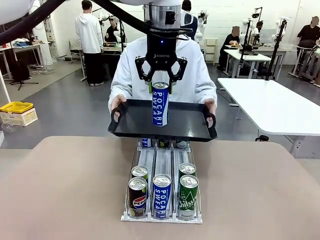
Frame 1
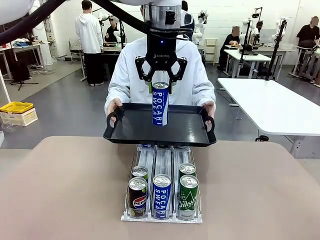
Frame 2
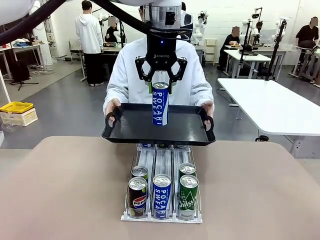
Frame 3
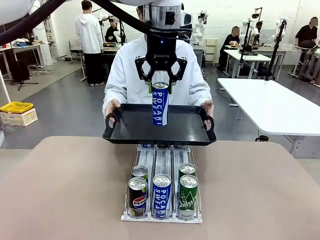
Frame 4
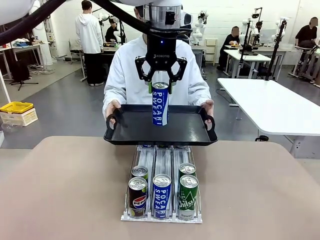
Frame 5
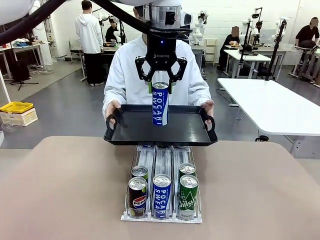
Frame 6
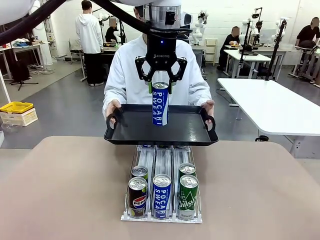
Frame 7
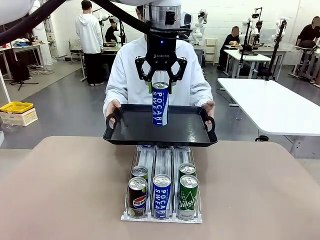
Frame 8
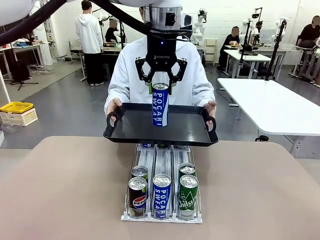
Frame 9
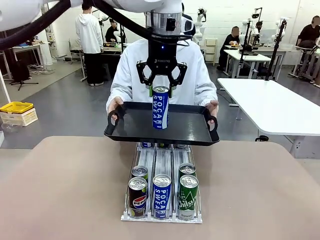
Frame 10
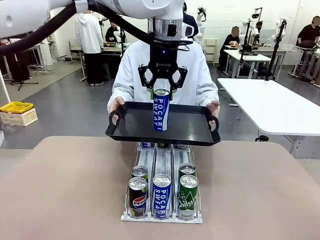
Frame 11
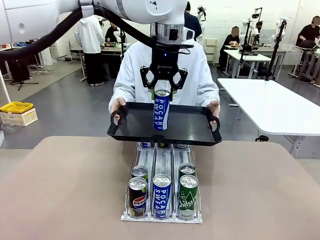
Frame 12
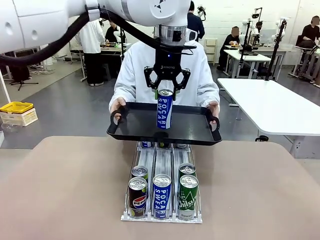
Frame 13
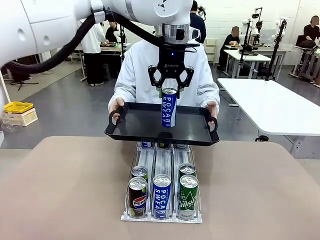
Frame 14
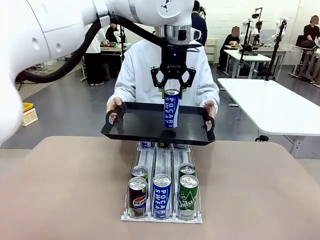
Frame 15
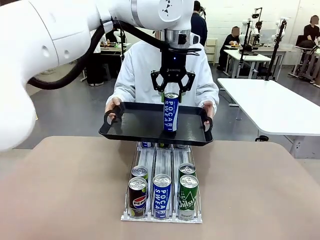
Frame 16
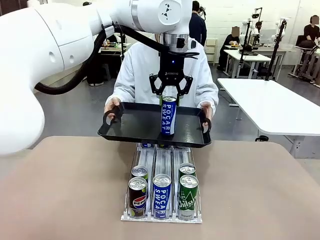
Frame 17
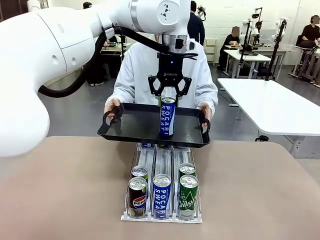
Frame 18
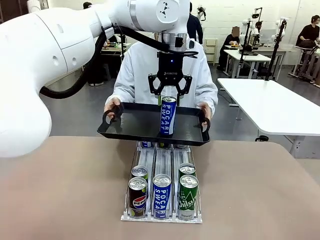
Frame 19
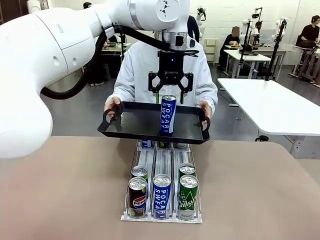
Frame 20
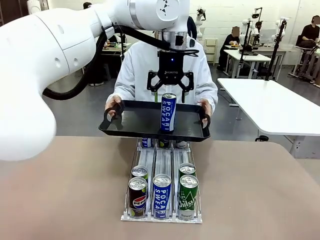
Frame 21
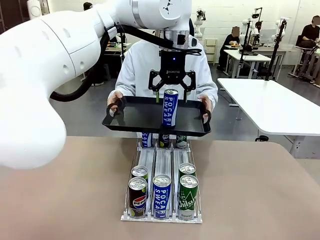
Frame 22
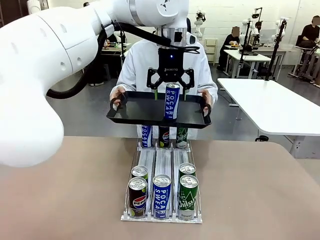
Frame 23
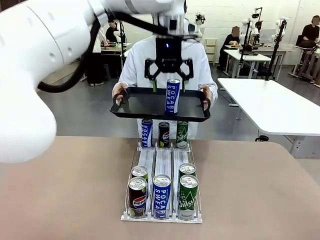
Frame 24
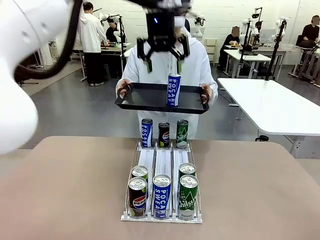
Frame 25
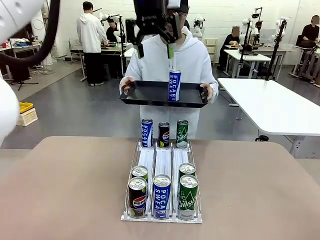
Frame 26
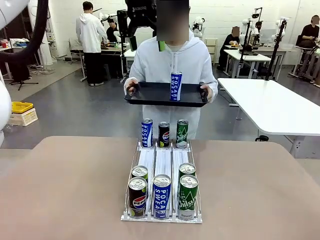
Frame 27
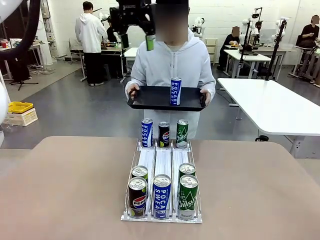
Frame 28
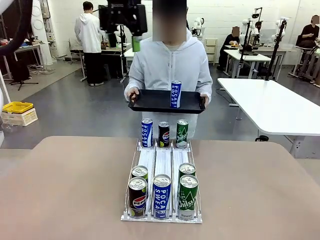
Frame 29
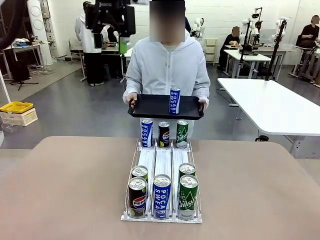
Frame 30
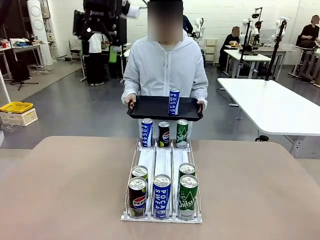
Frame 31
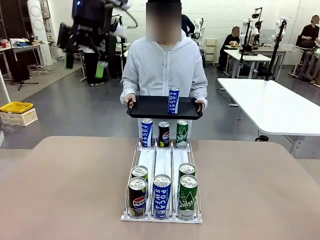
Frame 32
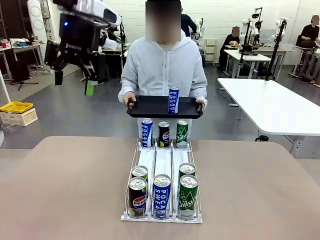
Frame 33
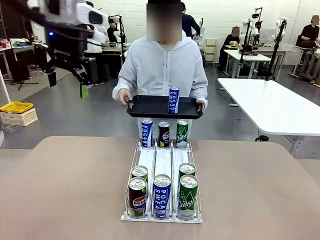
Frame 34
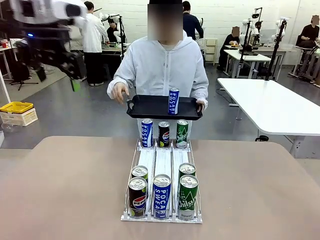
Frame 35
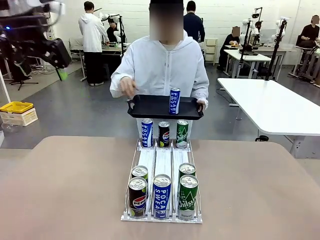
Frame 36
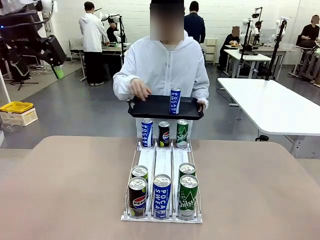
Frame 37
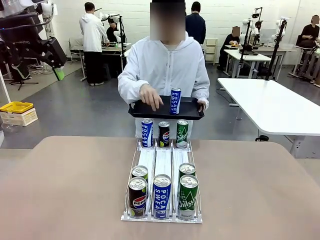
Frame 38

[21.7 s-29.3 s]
Task: Retrieve and hand over the desired beverage to the person.
Robot: Place the picked can on the Handle tray extended by the person.
Person: Pull the tray back, then pick up another can from the bottom area of the table and puts it back in its original place.

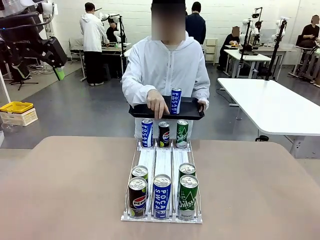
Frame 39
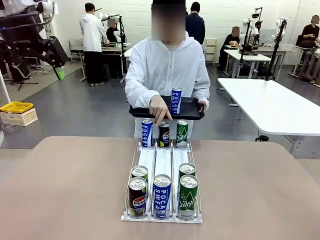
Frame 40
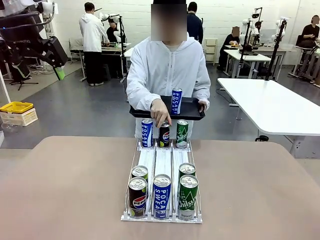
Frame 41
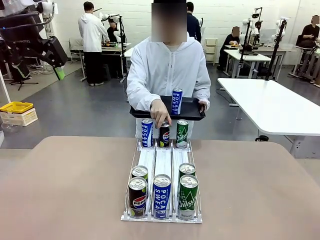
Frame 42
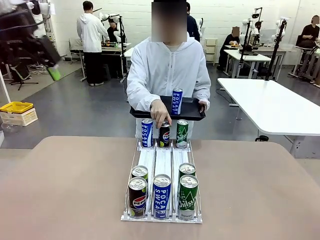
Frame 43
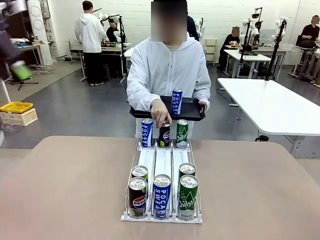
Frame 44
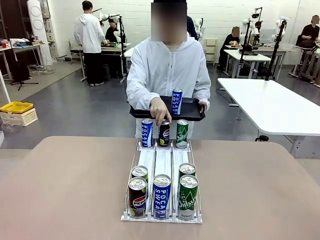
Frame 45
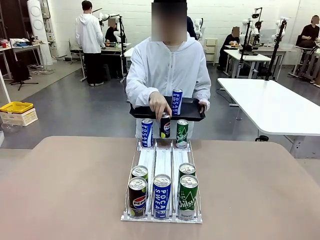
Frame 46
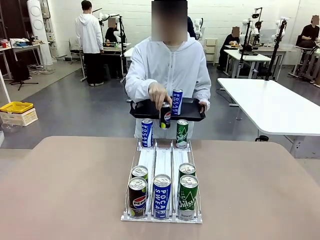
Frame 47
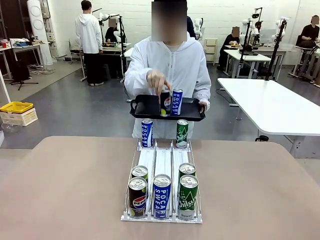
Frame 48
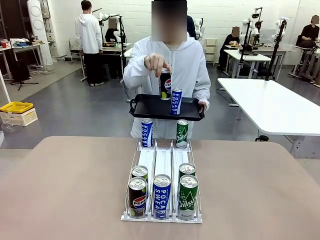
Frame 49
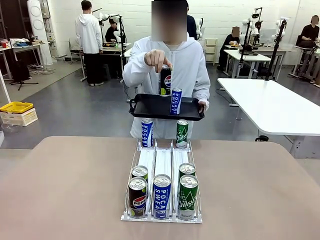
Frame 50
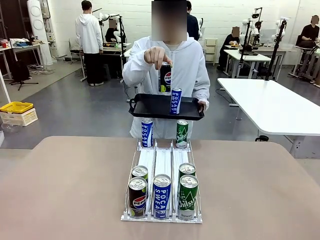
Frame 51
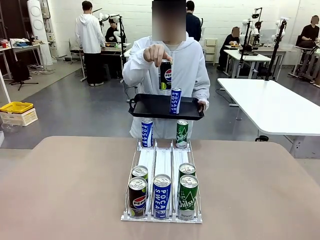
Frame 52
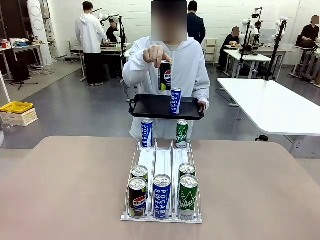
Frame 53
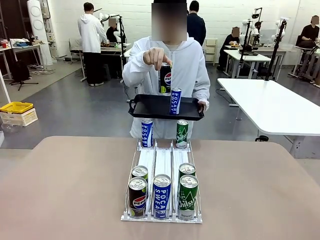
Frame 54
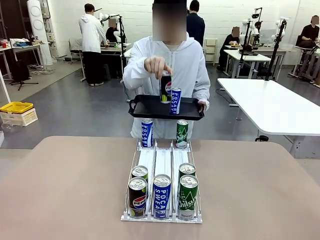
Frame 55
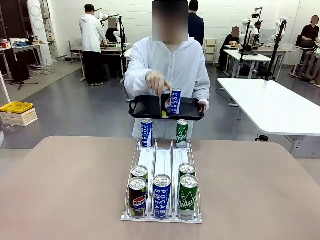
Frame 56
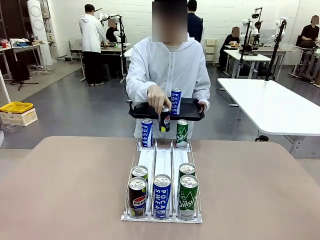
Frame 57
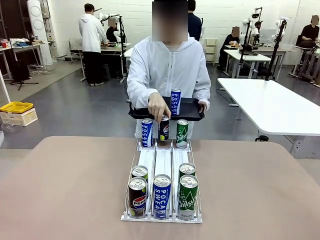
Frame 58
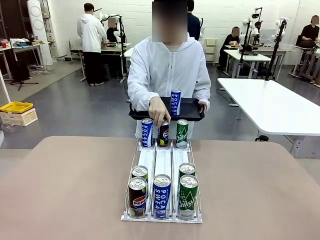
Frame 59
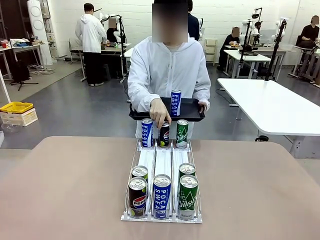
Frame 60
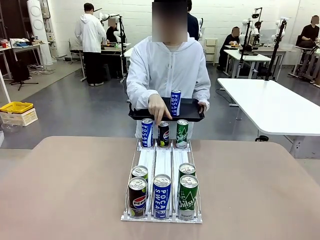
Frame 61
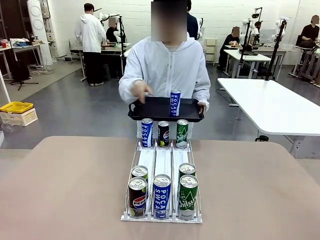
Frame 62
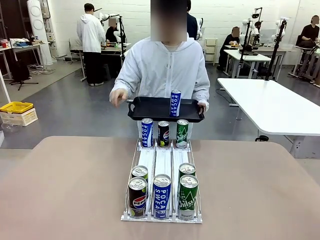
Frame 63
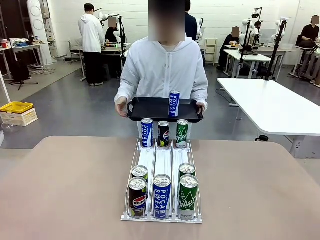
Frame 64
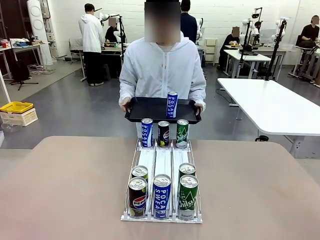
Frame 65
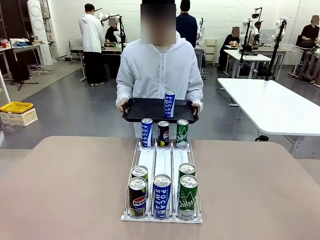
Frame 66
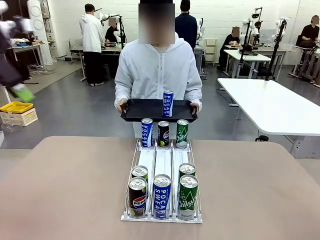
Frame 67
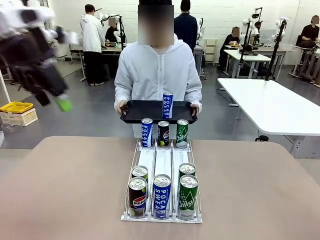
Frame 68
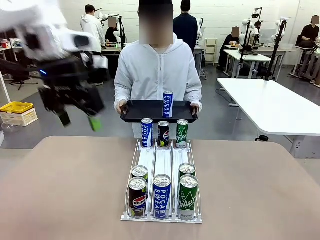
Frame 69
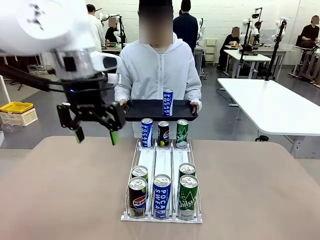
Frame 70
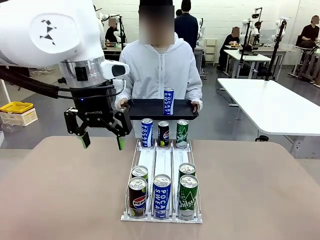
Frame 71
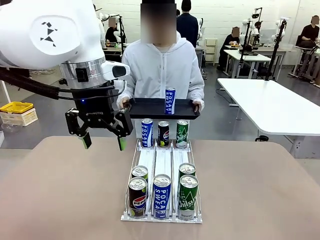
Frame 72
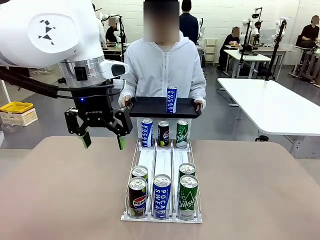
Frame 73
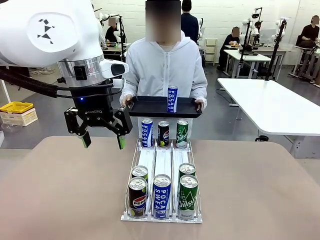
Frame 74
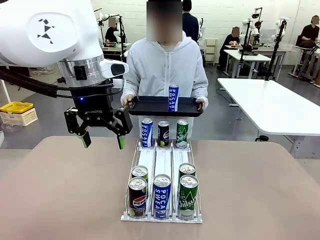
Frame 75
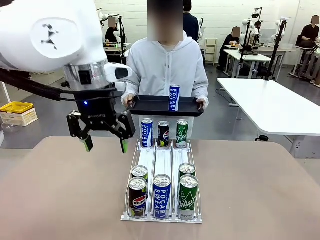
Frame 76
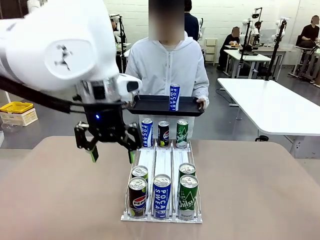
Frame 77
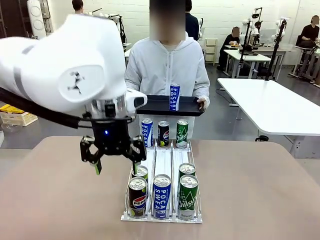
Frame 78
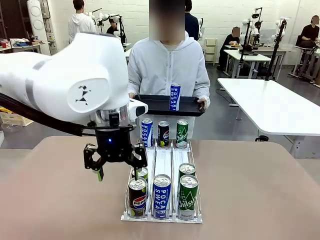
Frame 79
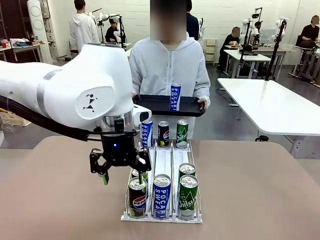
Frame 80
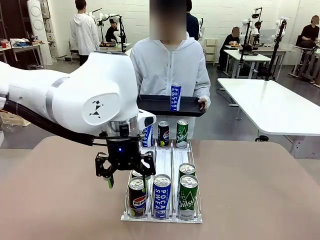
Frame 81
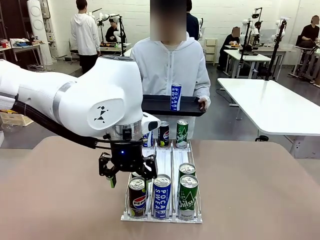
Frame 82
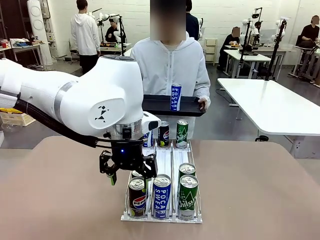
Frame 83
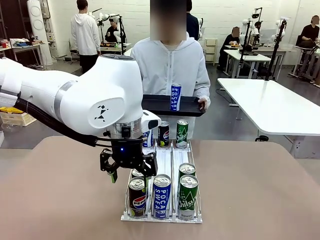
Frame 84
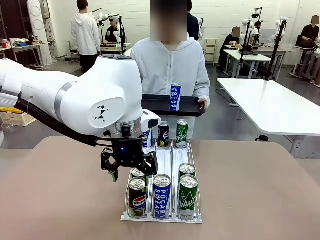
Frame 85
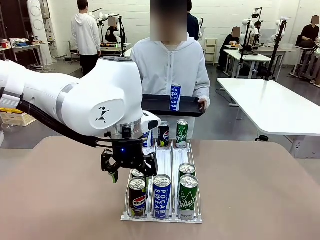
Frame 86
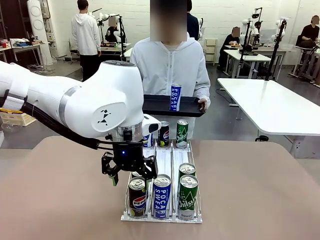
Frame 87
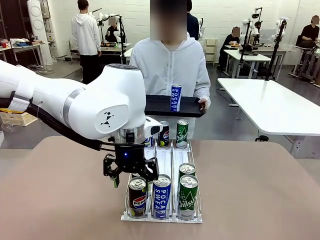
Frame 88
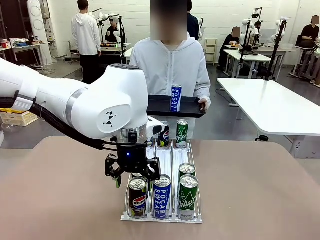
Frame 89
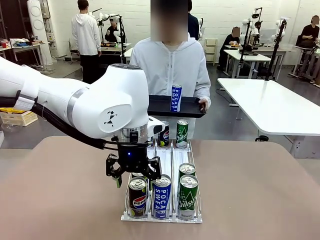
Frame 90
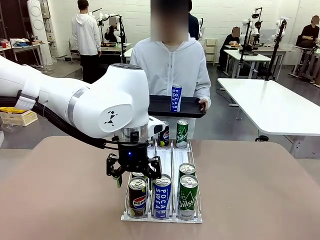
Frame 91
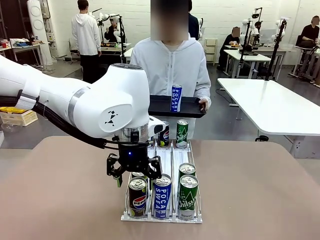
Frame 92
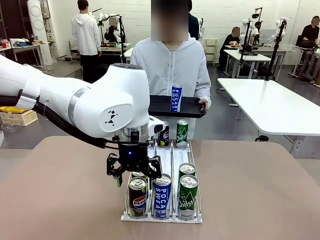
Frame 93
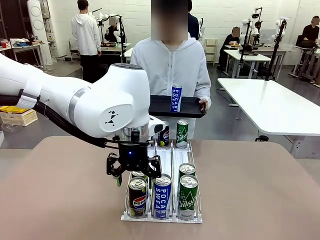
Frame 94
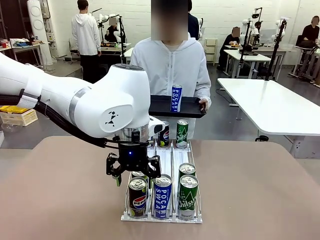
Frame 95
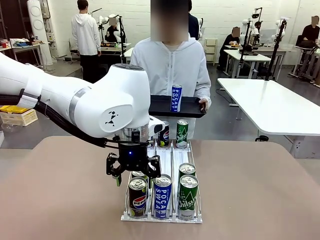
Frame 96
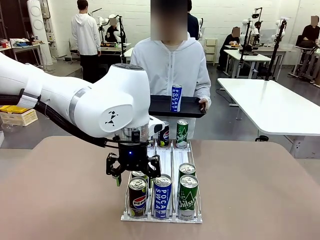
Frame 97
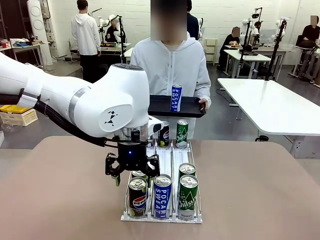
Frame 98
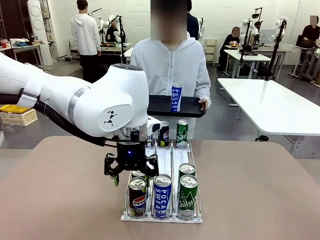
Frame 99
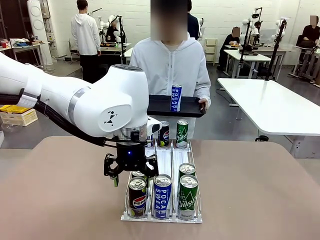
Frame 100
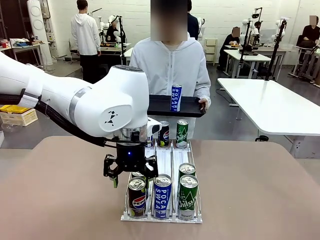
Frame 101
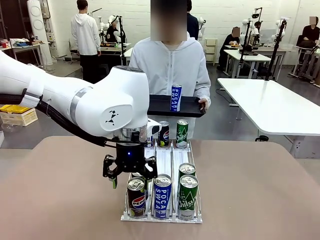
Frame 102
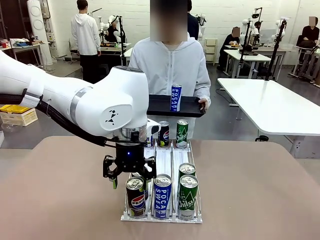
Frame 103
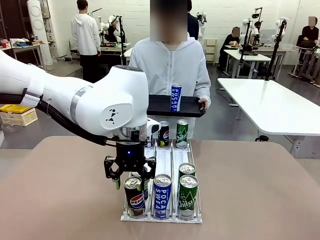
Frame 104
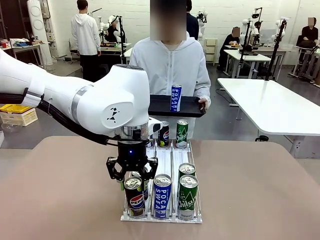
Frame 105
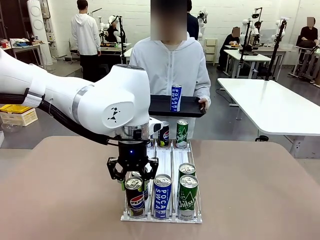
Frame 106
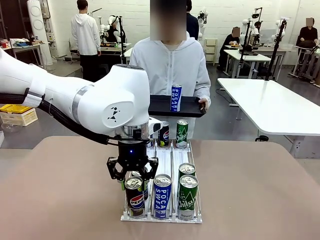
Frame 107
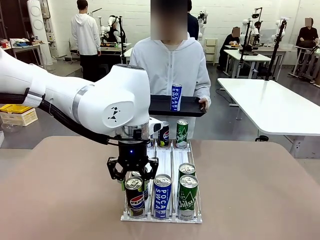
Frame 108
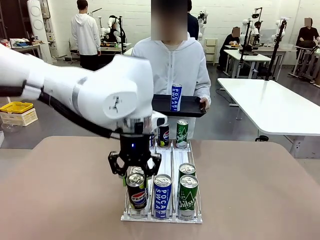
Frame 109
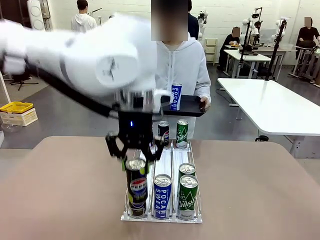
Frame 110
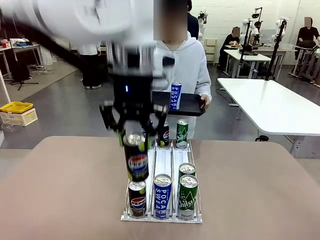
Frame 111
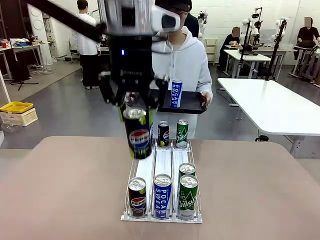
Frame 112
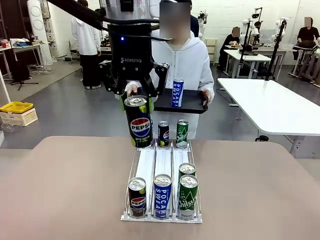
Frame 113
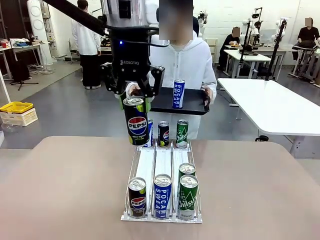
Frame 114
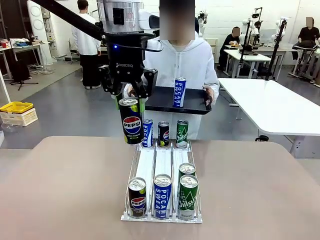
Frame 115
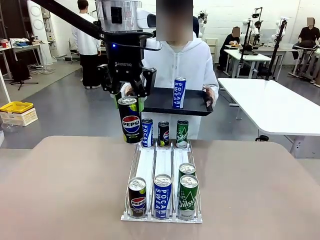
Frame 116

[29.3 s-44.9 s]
Robot: Pick up another can of the same type that the person held from the Automatic Can Dispenser.
Person: Push the tray toward the robot again.
